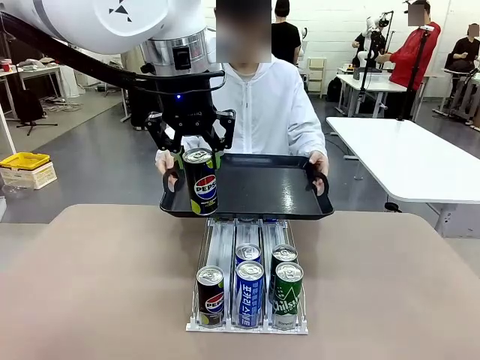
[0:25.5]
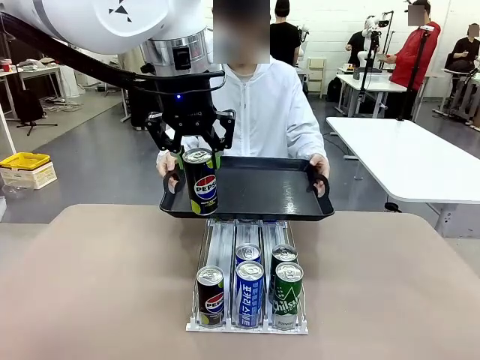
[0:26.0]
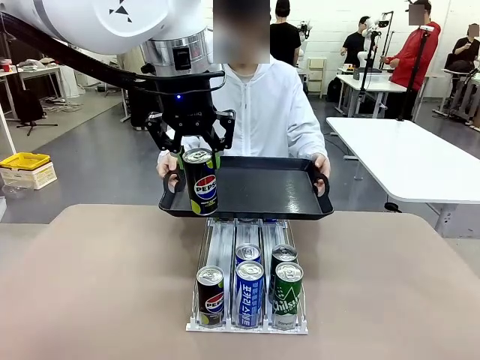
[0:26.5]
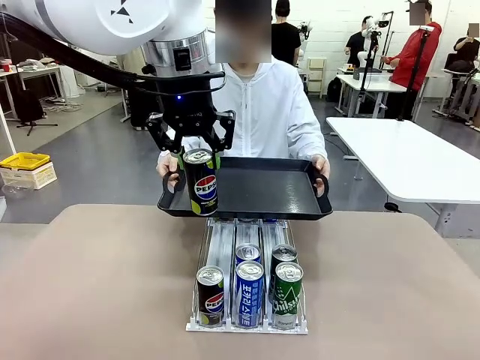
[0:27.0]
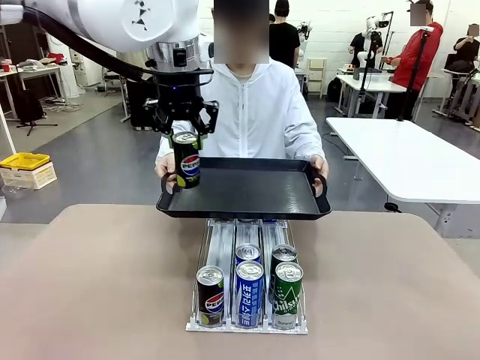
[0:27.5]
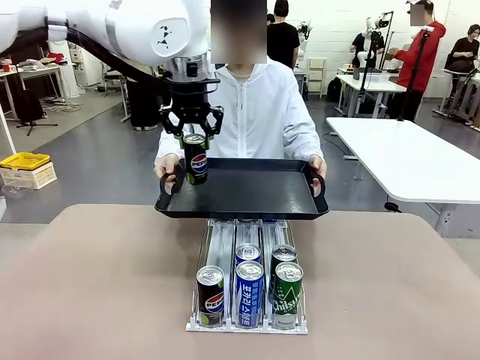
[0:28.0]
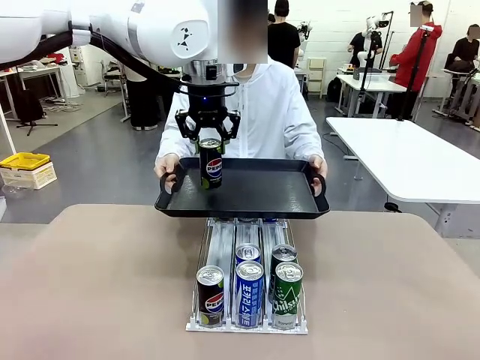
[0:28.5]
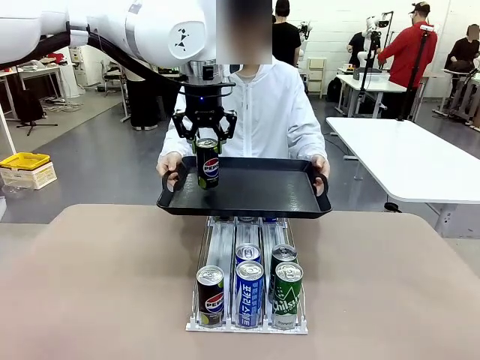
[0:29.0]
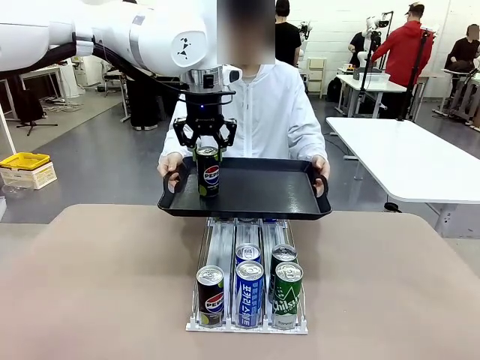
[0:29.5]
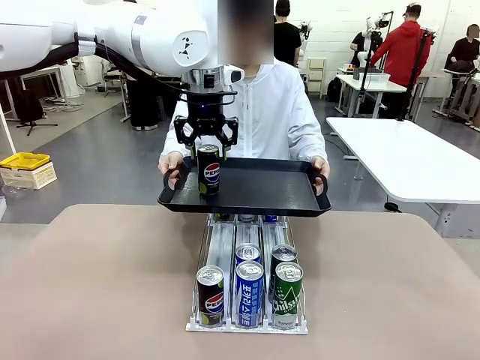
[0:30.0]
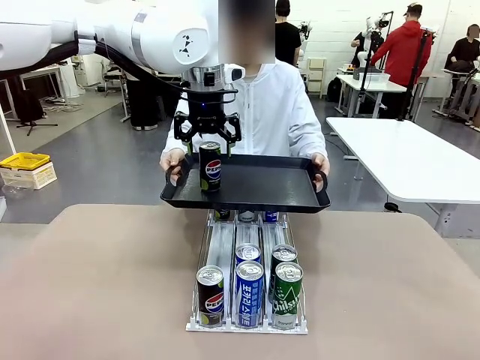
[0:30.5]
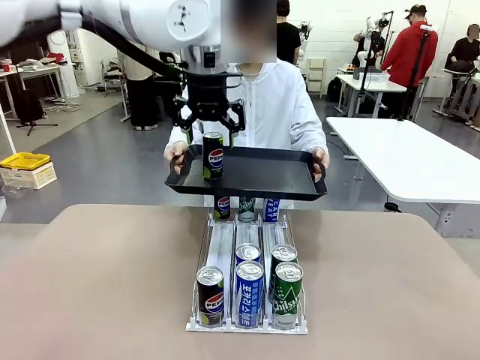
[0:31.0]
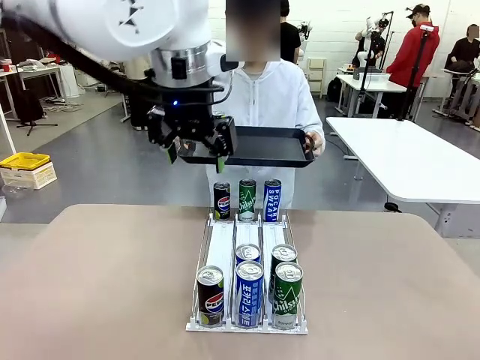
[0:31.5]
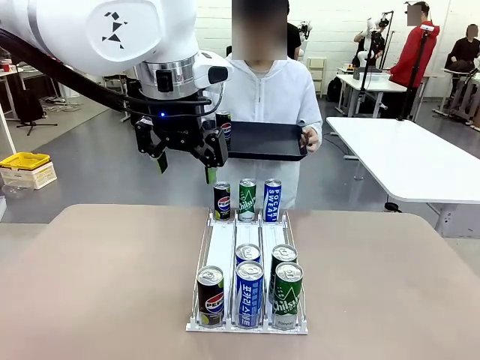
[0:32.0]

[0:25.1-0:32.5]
Task: Retrieve and hand over the desired beverage to the person.
Robot: Place the picked can on the Handle tray extended by the person.

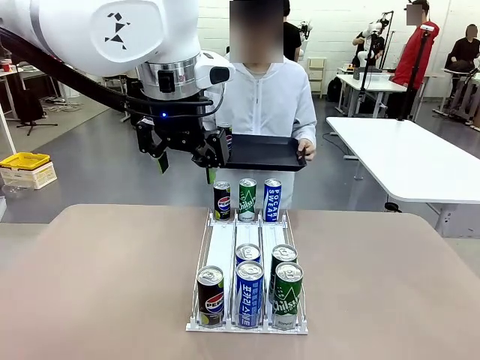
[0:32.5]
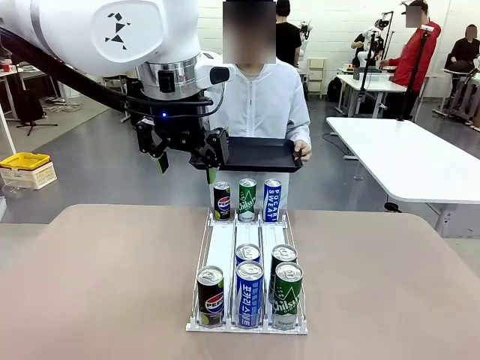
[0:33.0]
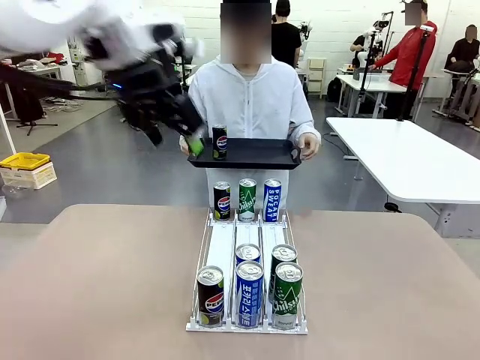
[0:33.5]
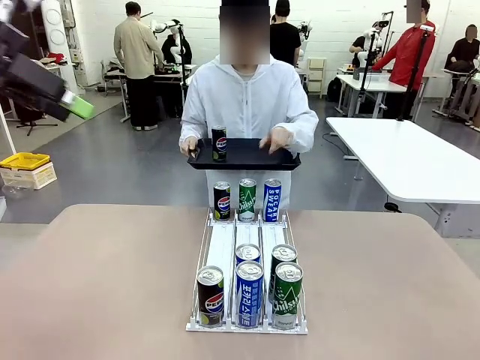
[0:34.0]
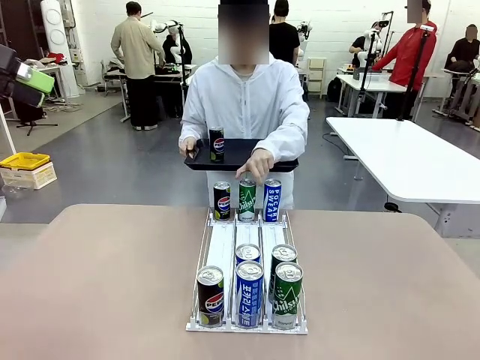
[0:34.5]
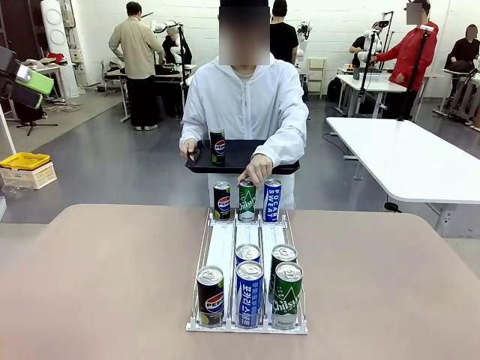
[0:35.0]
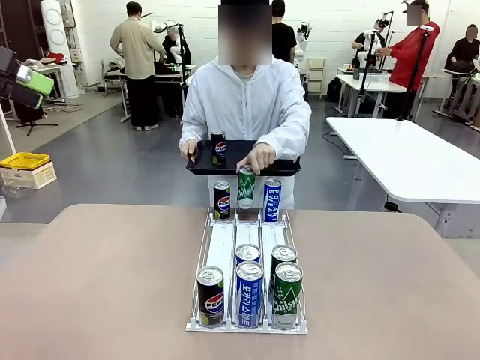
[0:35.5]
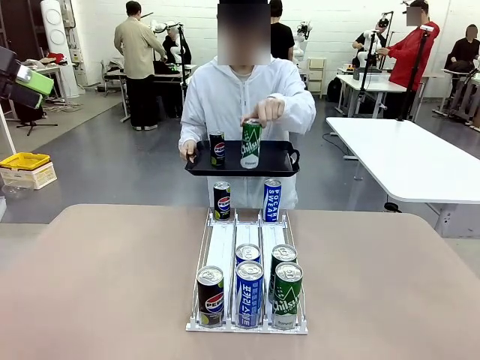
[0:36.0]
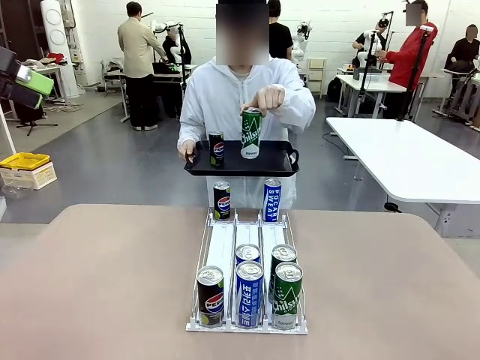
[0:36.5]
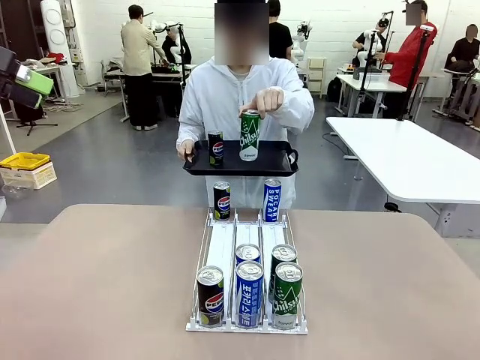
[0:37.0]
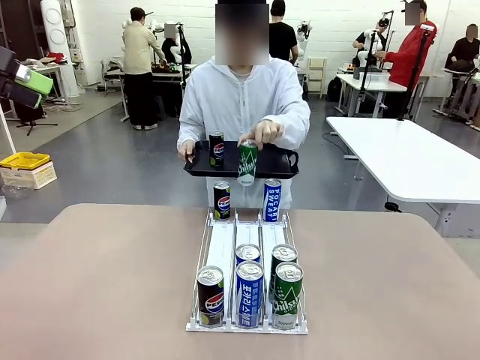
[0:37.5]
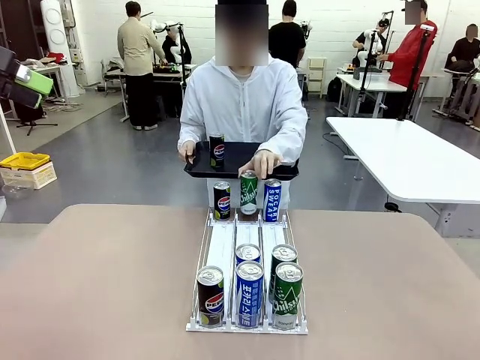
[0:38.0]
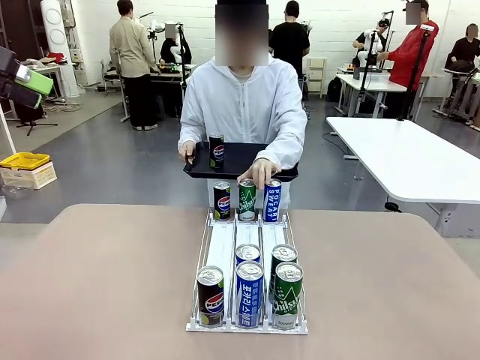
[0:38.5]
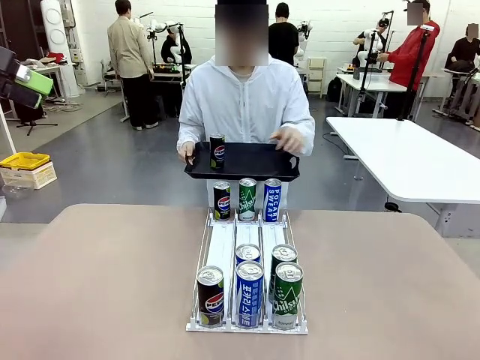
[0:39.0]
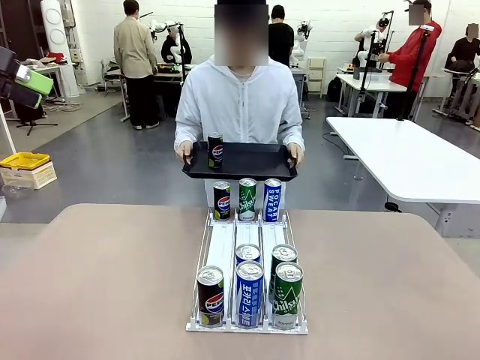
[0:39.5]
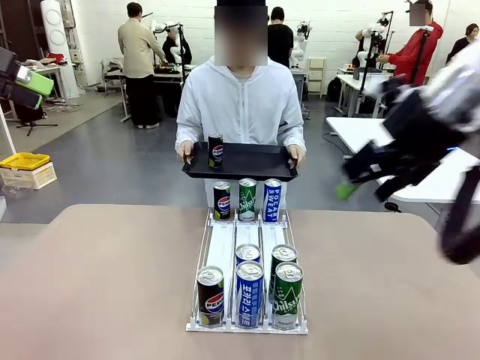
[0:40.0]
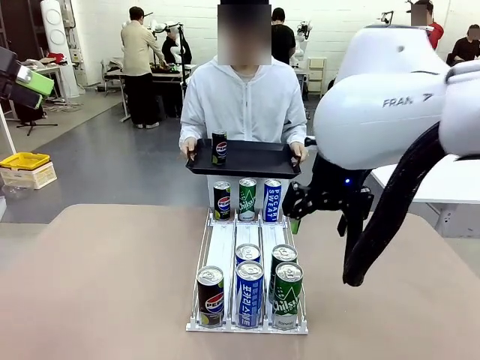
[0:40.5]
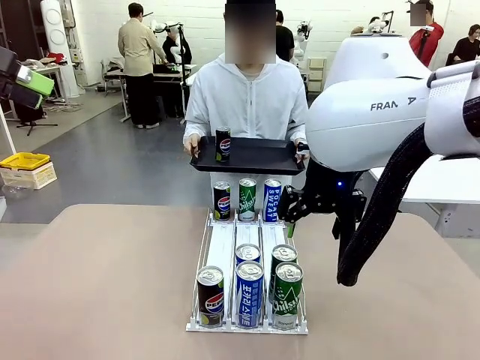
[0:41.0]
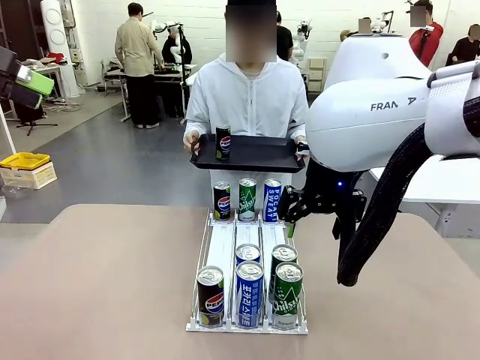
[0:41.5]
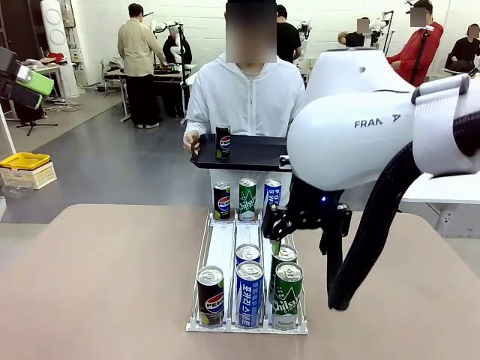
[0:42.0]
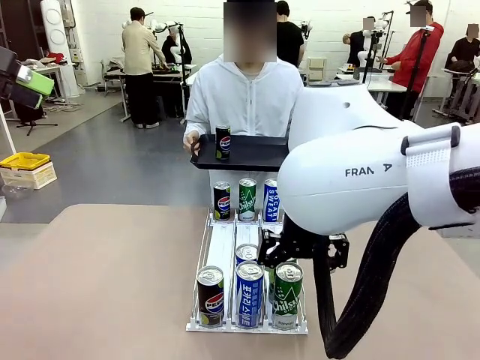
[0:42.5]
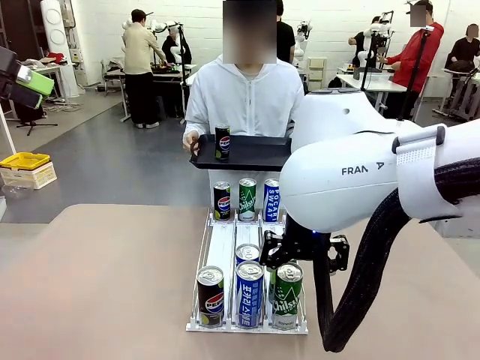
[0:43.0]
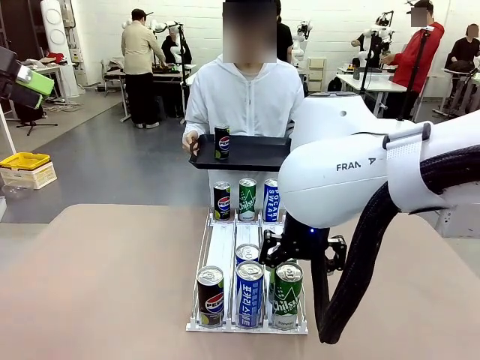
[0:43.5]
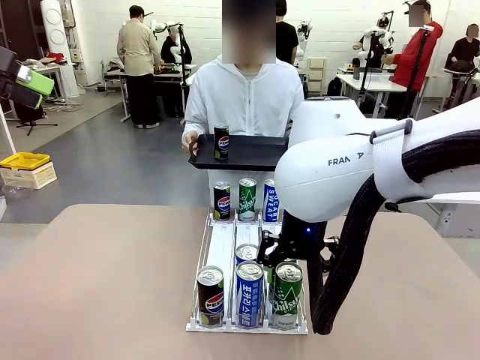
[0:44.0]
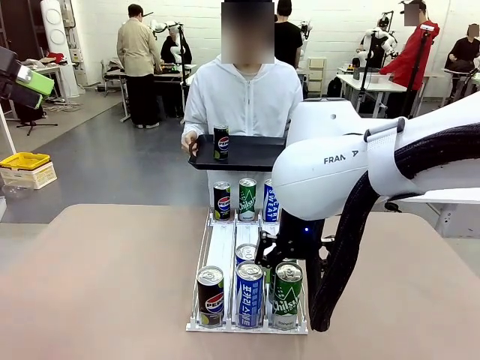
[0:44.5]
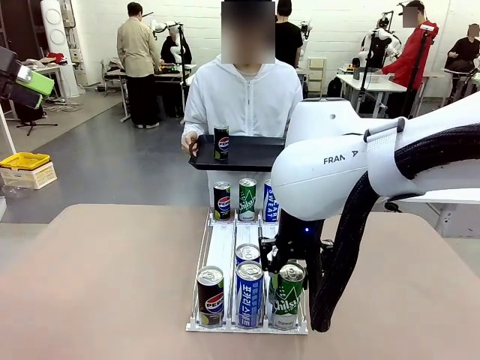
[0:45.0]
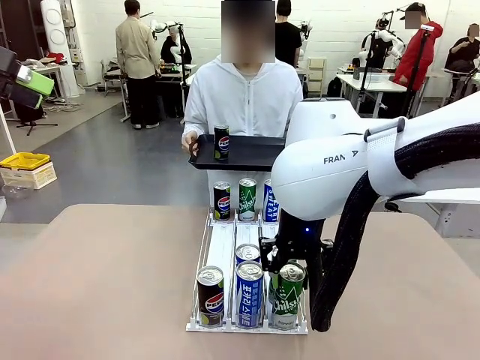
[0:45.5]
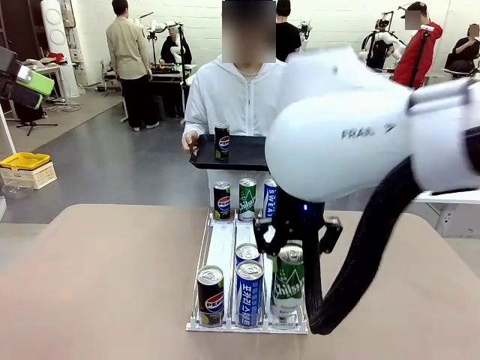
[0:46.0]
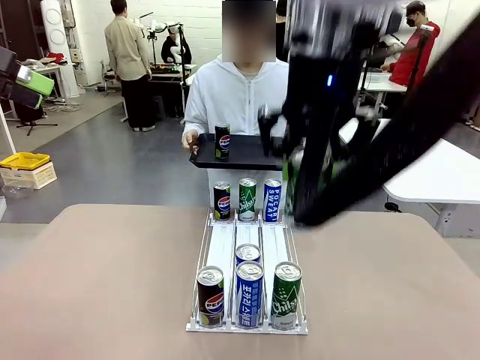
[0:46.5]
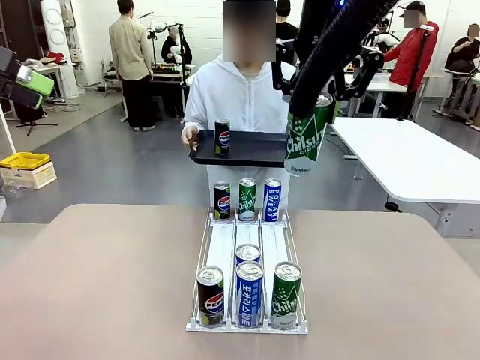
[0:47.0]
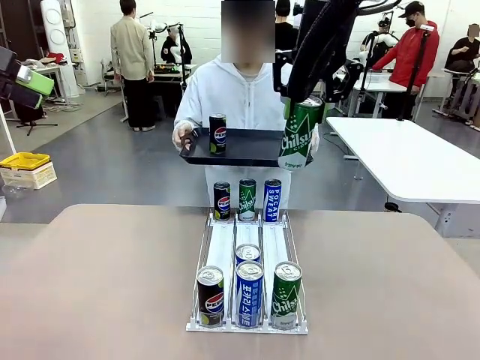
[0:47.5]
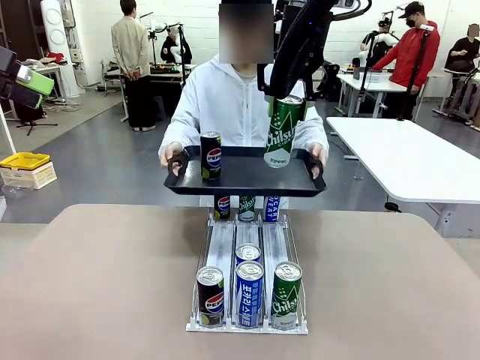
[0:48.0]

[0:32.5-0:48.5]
Robot: Pick up another can of the same type that the person held from the Automatic Can Dispenser.
Person: Pull the tray back, then pick up another can from the bottom area of the table and puts it back in its original place. Push the tray toward the robot again.
